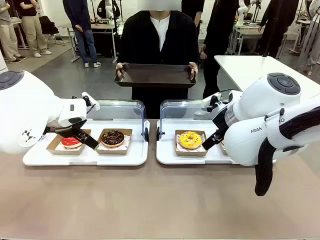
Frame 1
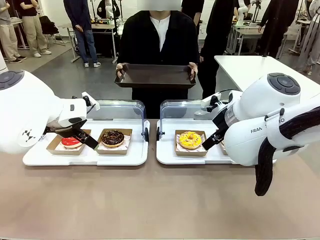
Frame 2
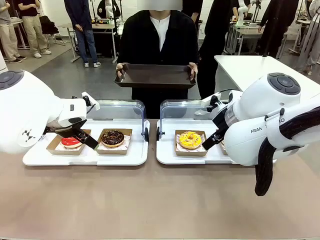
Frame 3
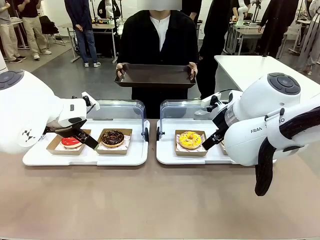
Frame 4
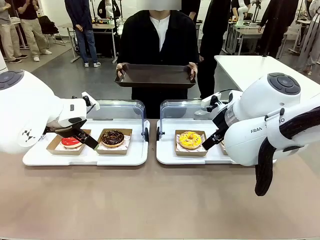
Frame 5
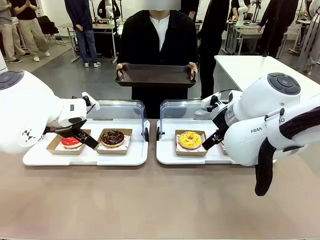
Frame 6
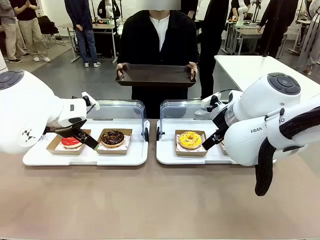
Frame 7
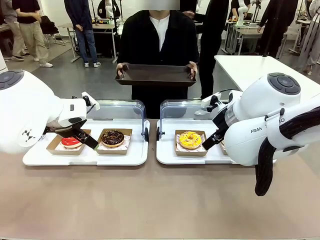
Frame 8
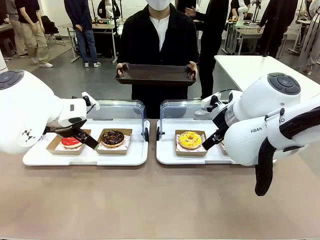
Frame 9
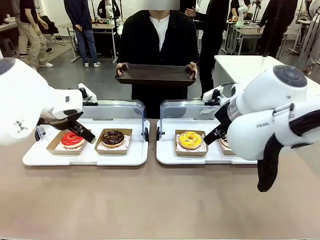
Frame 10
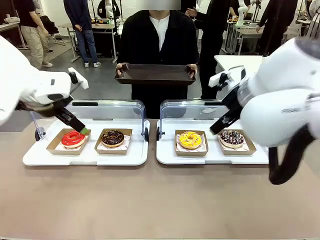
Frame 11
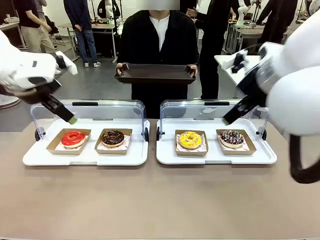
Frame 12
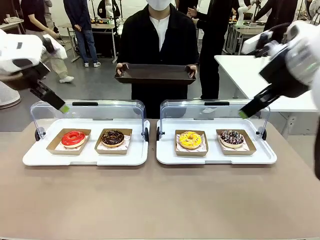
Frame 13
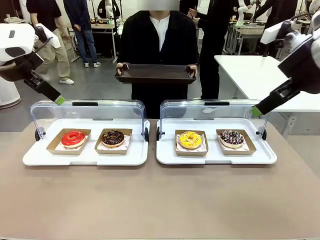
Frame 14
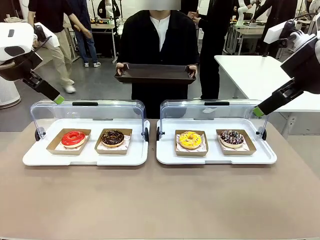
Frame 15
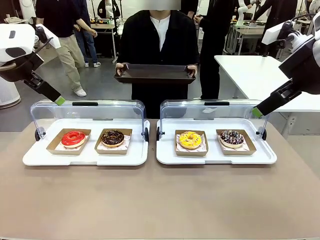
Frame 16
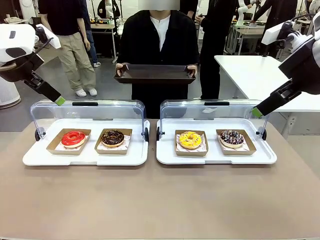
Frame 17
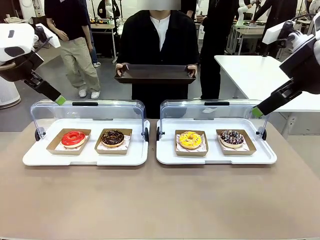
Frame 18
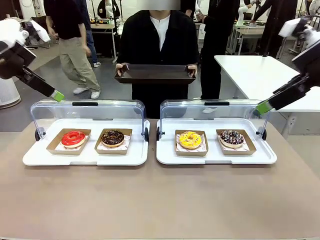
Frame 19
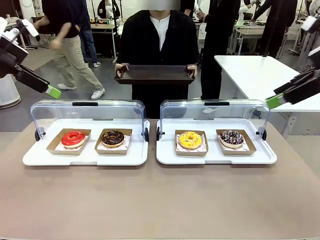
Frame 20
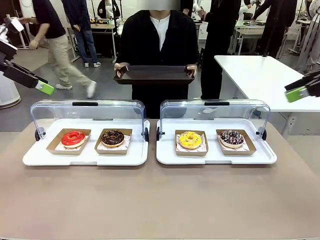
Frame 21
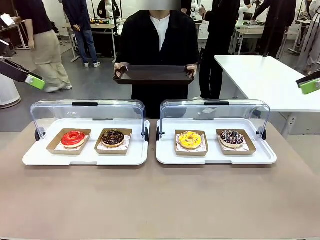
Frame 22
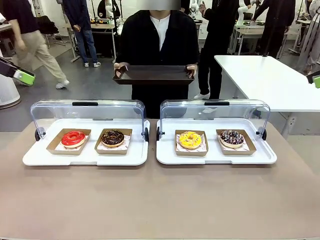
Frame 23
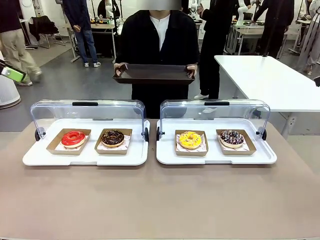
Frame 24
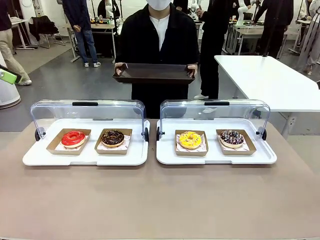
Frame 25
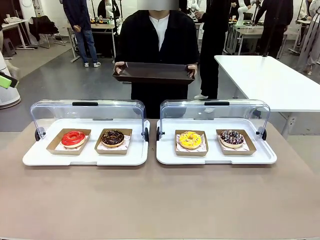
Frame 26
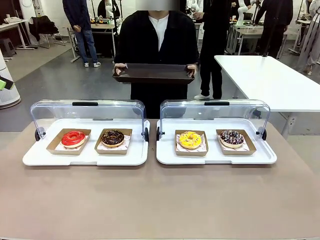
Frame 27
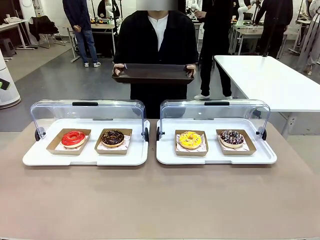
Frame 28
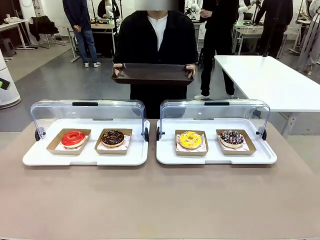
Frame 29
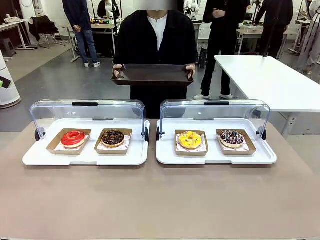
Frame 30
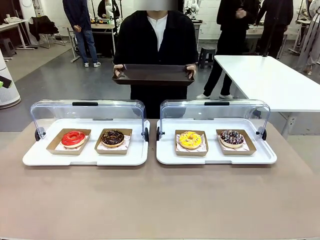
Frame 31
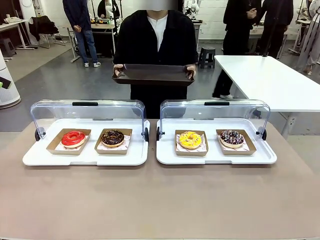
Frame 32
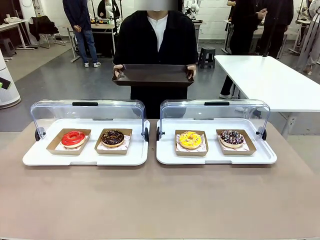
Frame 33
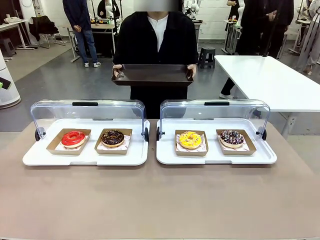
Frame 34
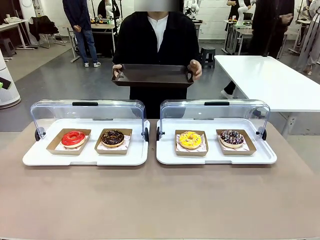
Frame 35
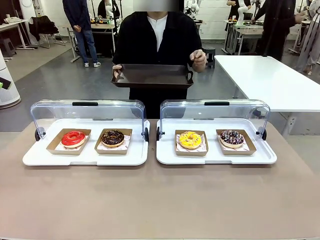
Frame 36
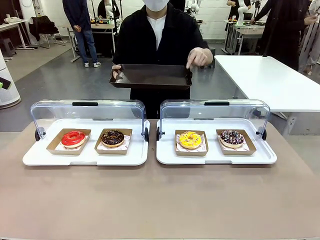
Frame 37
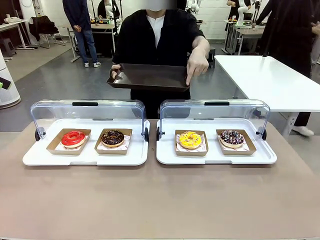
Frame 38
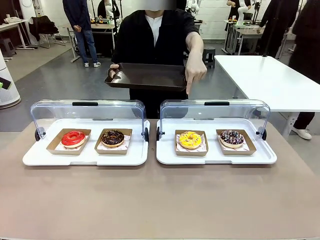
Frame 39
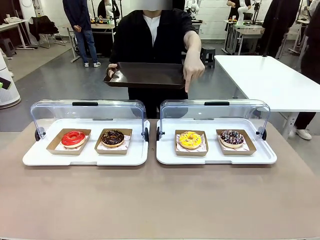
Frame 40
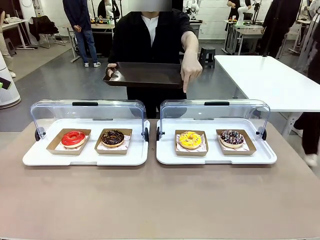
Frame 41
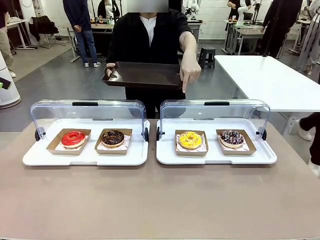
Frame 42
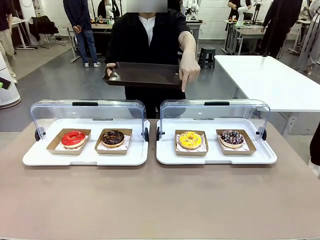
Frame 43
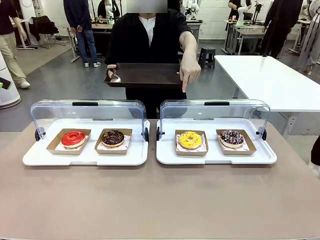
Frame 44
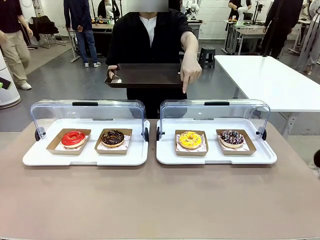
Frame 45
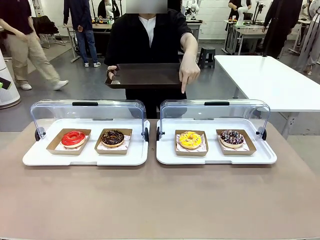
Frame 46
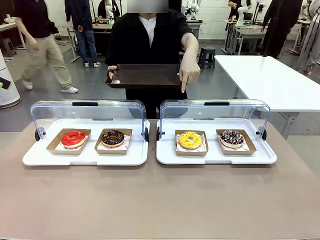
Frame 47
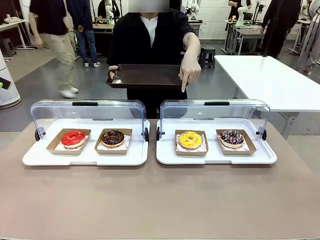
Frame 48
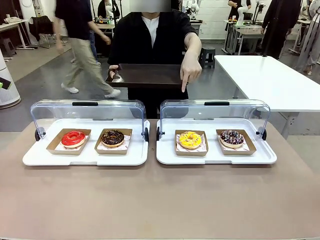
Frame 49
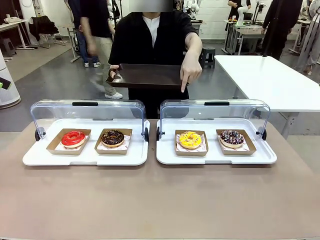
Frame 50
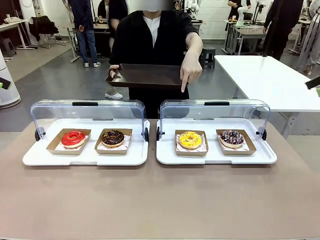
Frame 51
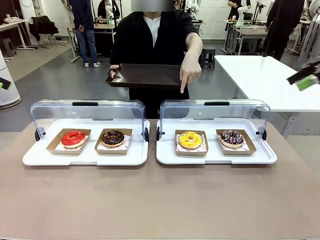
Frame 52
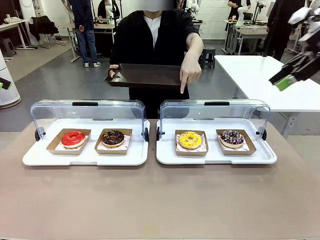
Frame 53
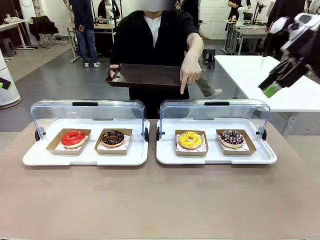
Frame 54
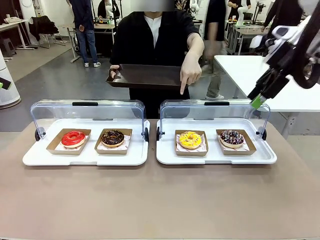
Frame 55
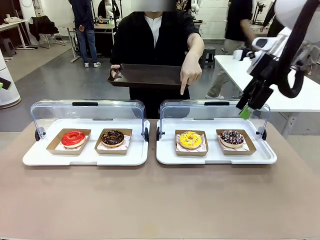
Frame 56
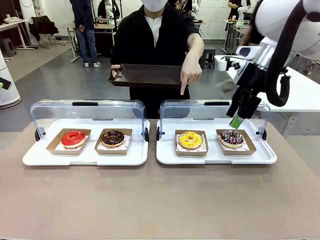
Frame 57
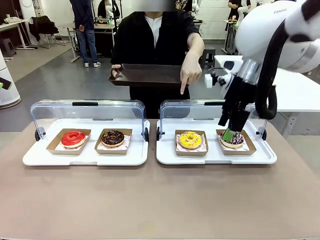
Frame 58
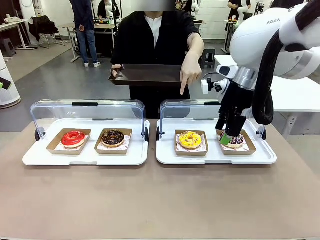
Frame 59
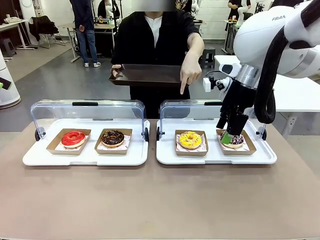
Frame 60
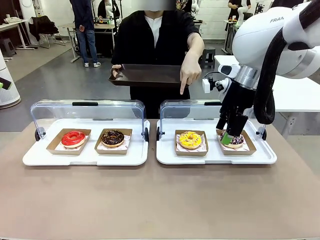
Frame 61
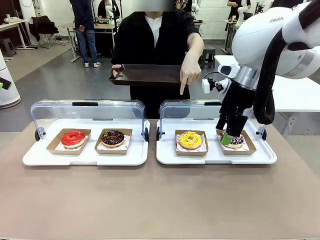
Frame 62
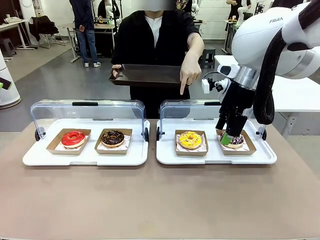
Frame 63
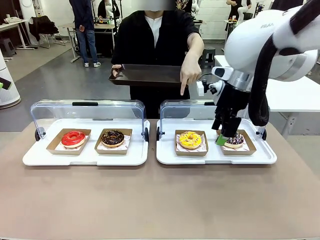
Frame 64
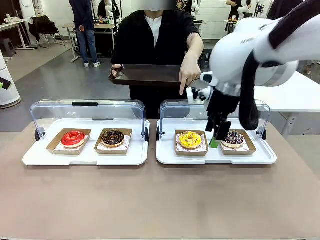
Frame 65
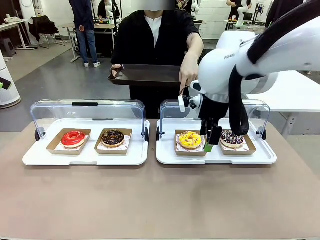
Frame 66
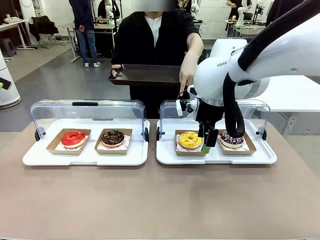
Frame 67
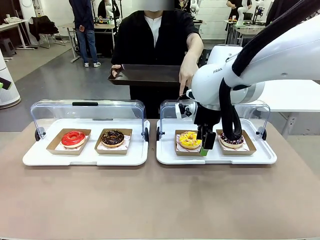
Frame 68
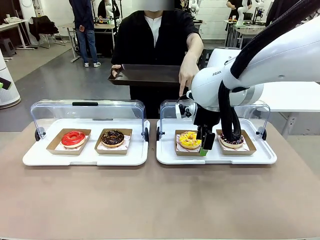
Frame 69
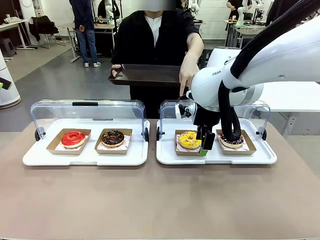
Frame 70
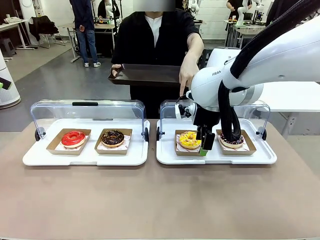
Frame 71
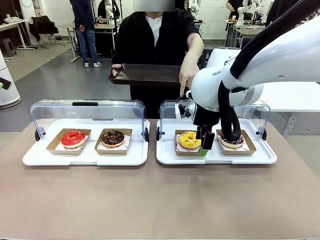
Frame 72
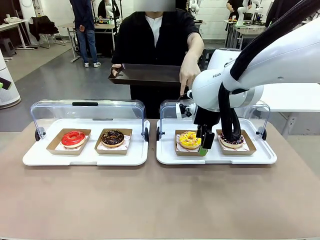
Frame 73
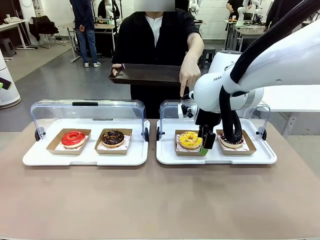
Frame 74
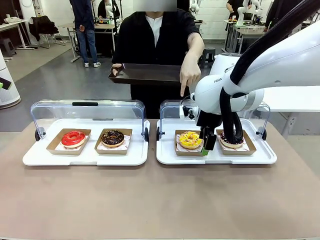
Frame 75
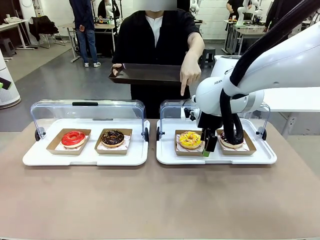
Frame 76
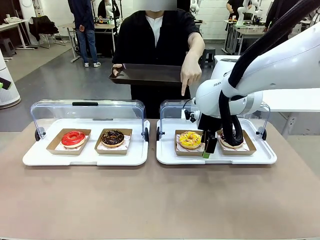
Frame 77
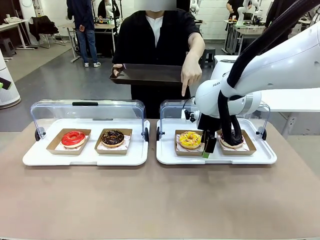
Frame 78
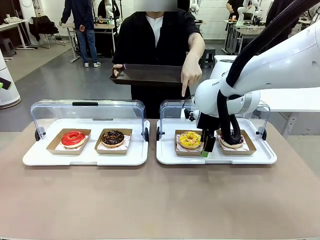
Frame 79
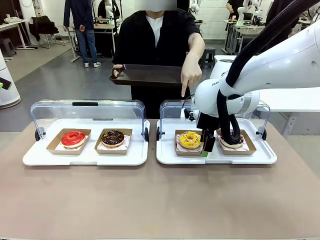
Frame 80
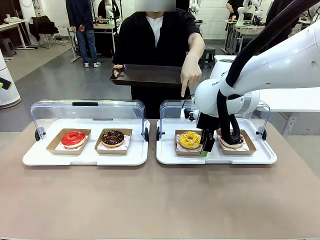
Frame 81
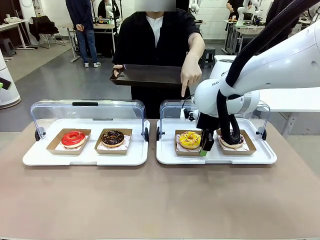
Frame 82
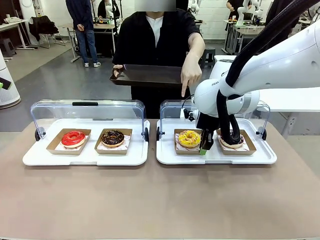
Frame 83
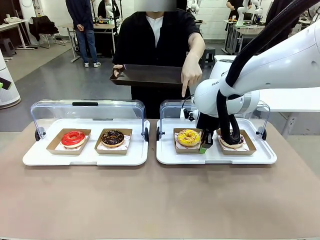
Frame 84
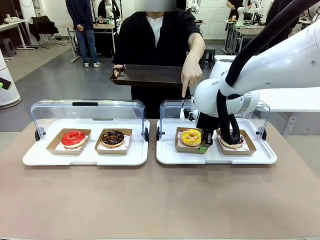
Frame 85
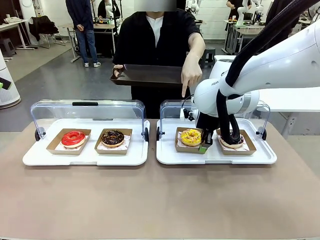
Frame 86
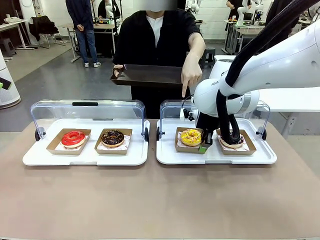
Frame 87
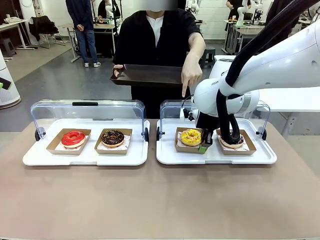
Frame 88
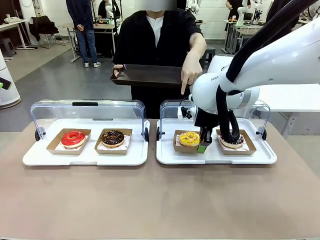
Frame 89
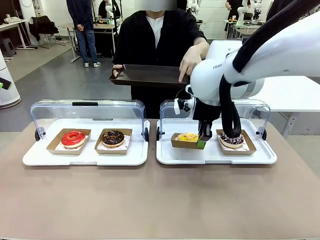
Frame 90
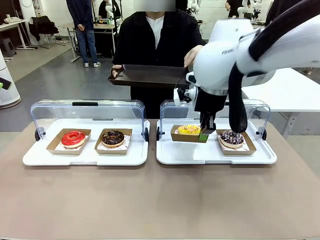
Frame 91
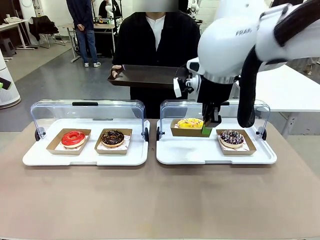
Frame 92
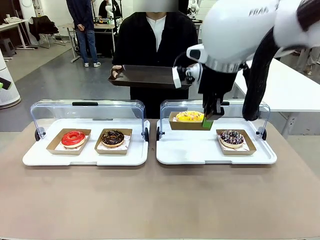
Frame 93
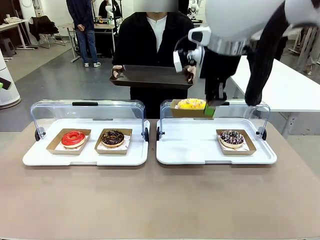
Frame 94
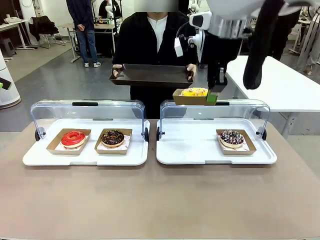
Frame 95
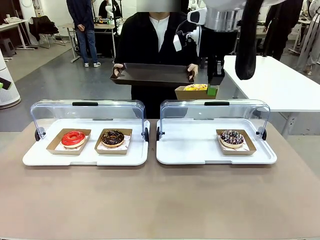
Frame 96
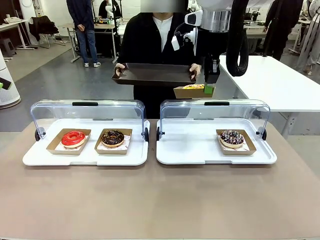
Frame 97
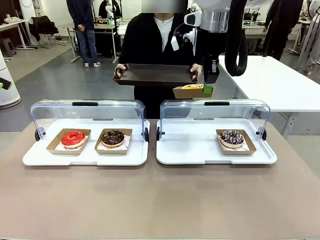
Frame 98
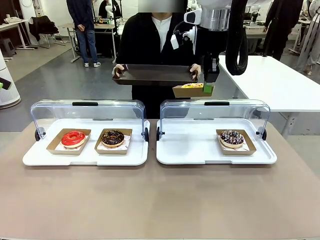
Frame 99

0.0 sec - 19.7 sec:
Task: Provide the desired donut to the person.
Robot: Pick up and lift the Paper togo box containing the Donut pointed at by the person.
Person: Point to one donut. Lift the tray onto the Roll-Top Bakery Case.
